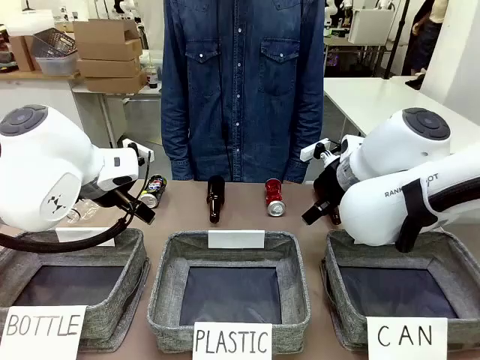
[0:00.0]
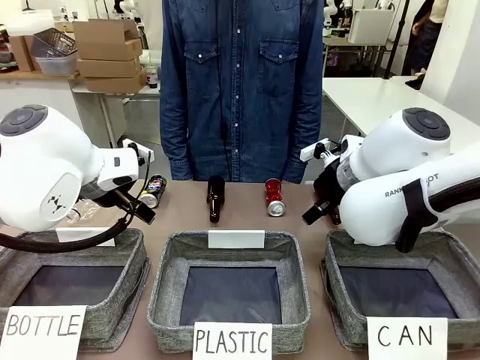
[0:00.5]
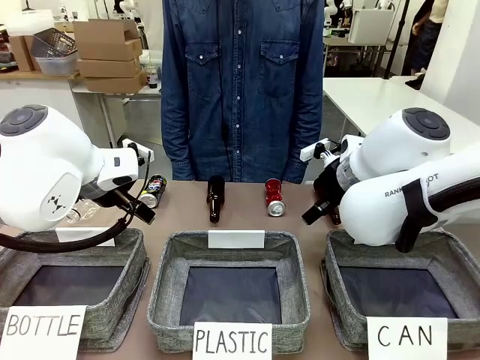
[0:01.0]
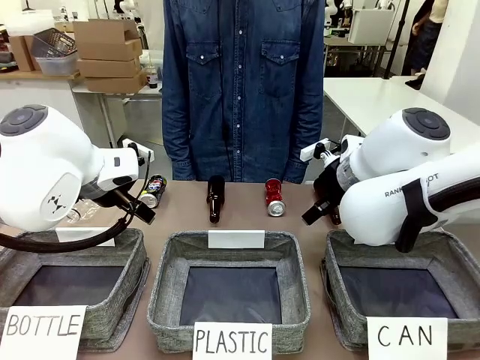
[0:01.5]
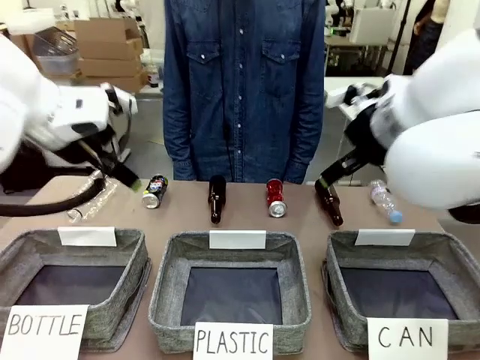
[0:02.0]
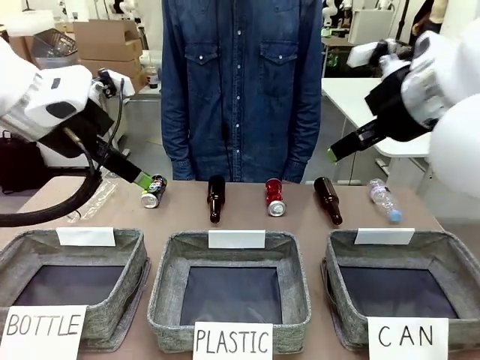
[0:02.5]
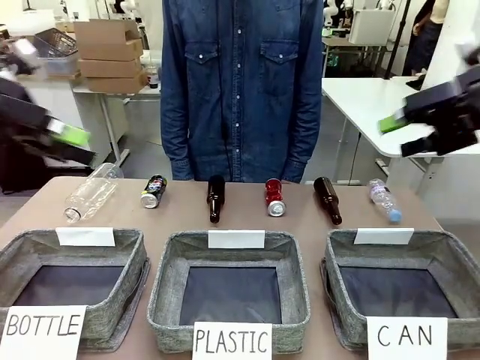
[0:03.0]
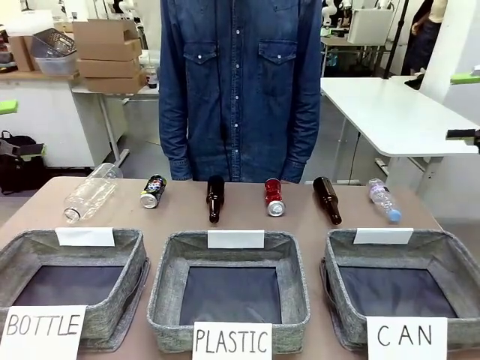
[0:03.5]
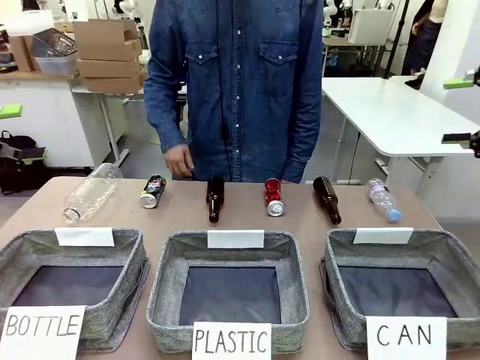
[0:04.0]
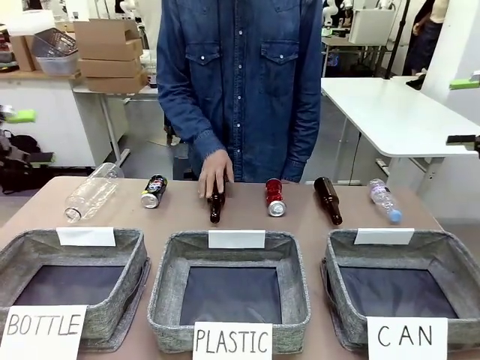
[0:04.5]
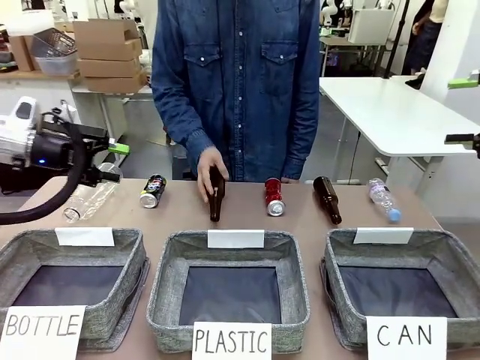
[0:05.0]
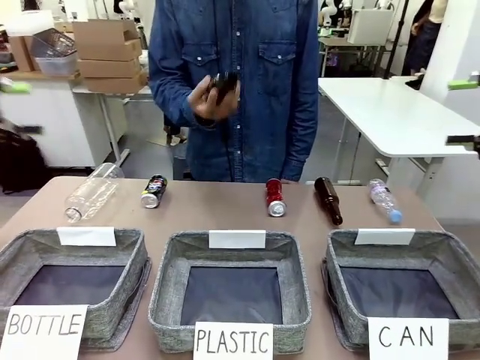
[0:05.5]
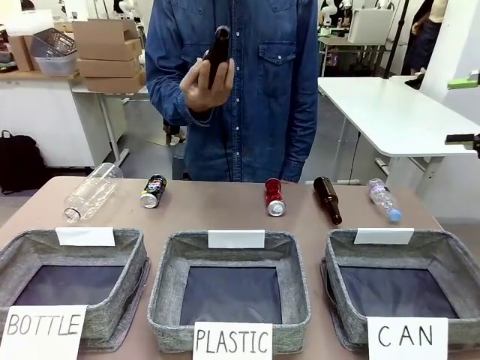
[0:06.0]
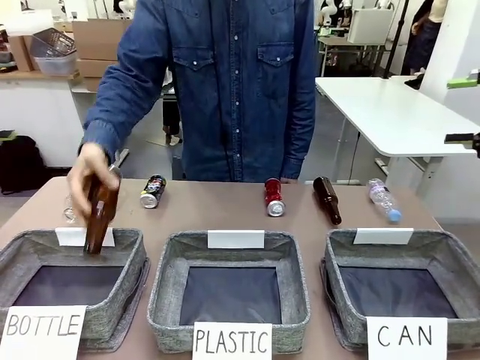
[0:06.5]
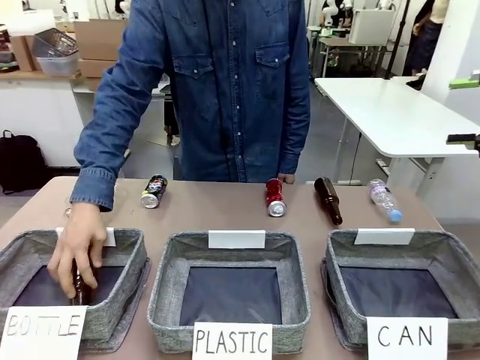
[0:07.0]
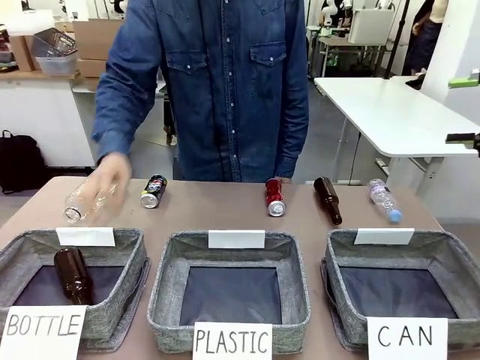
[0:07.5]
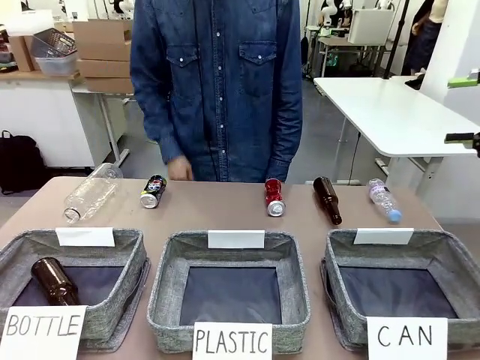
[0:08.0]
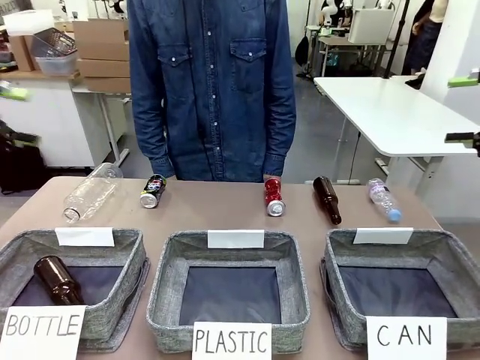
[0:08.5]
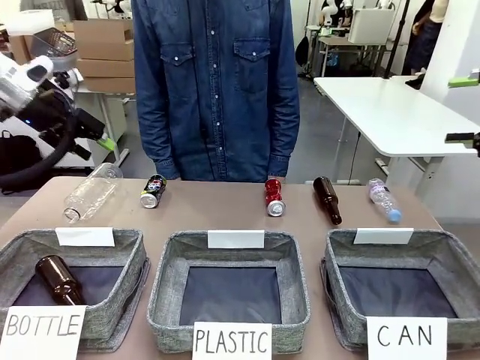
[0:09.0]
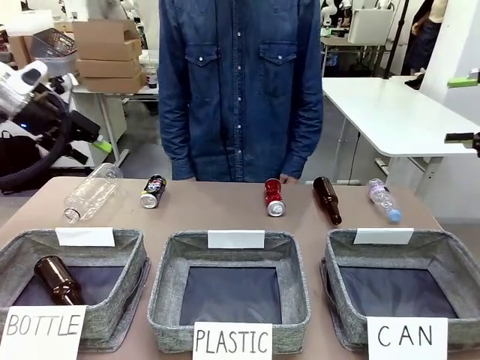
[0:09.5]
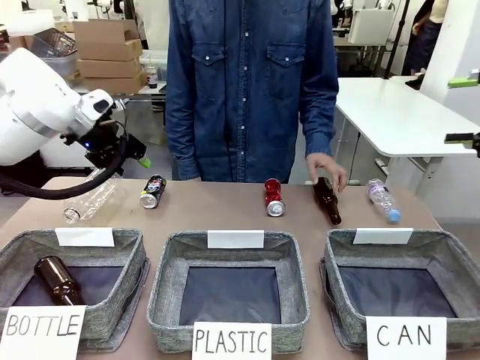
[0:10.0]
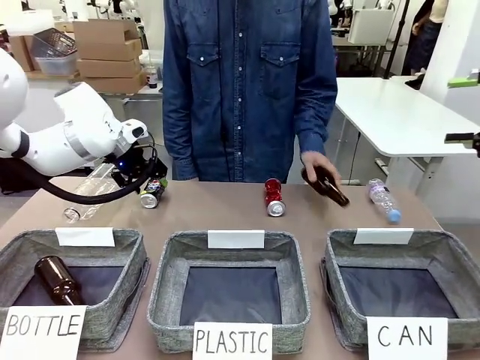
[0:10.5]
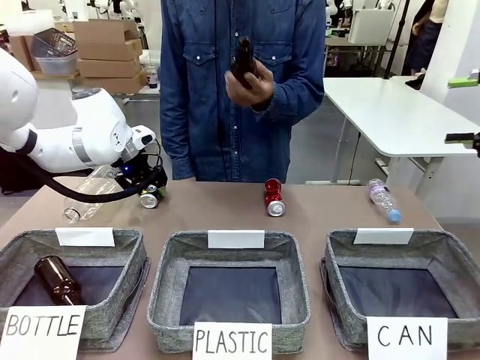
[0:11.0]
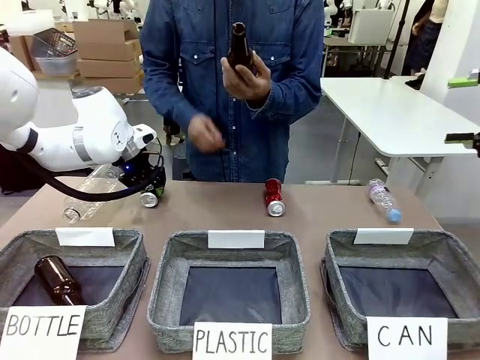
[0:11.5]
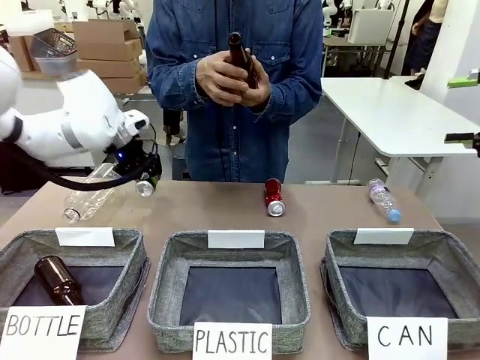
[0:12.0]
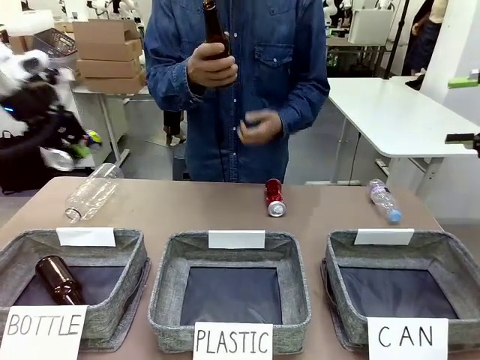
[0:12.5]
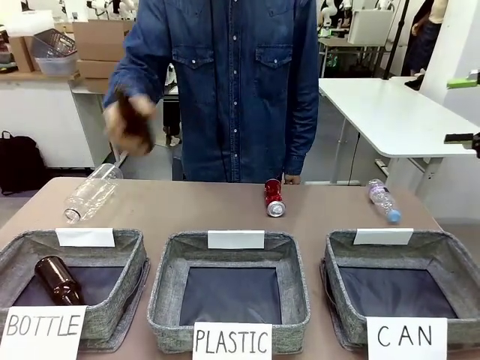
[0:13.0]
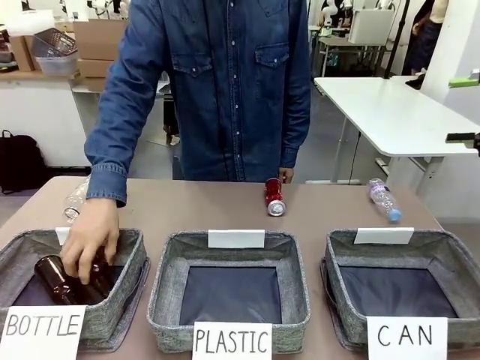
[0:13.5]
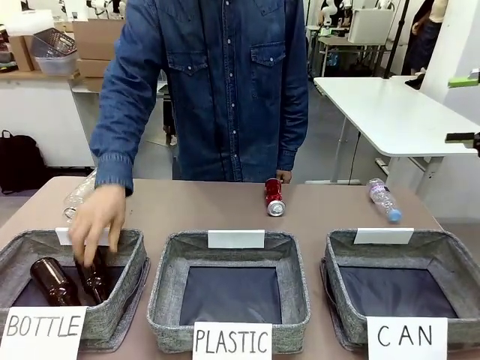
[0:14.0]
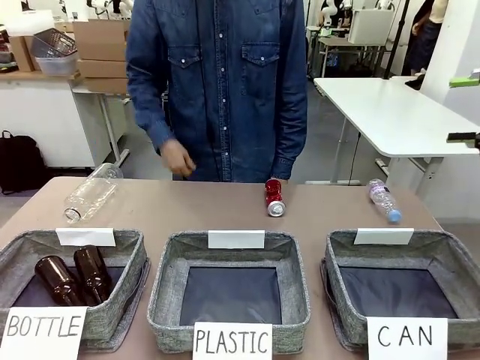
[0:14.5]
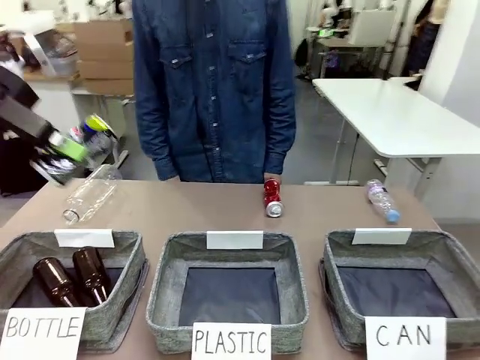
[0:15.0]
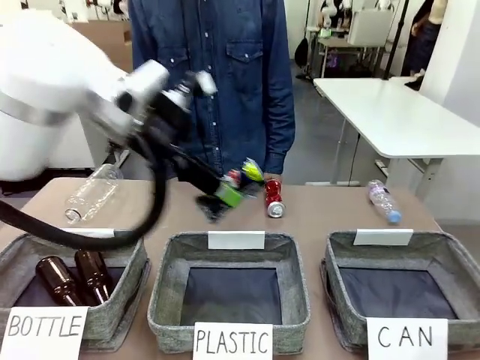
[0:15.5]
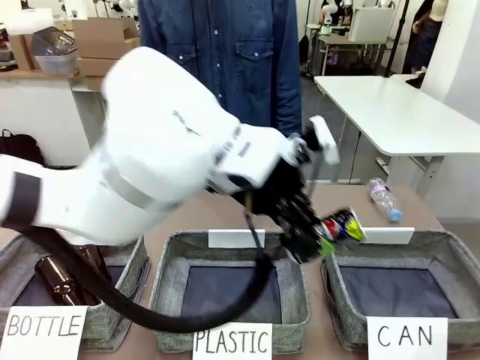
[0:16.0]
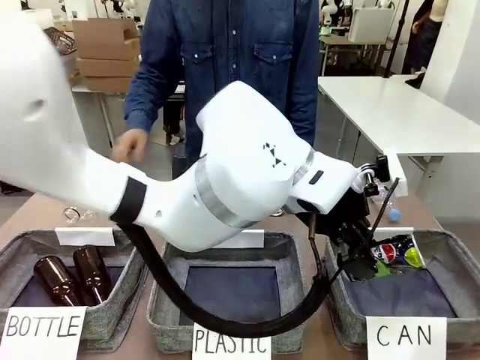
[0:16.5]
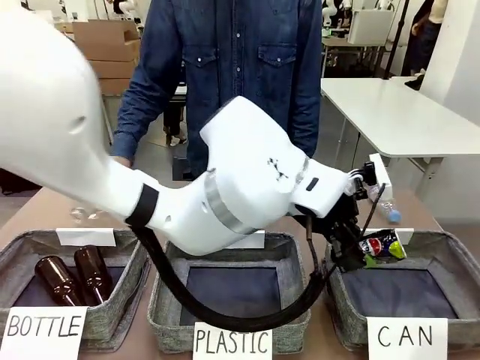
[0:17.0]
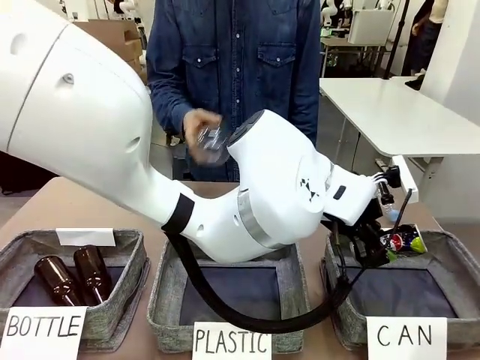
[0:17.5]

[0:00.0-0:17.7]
Task: Sort the can waste into the basket.
Robot: Pick up the can waste from the table and place it in the right Fabric basket.

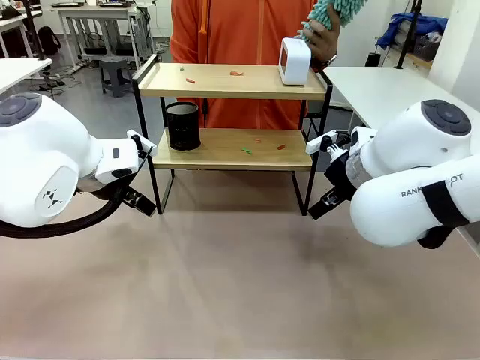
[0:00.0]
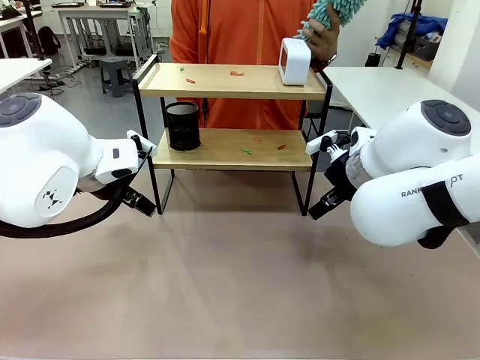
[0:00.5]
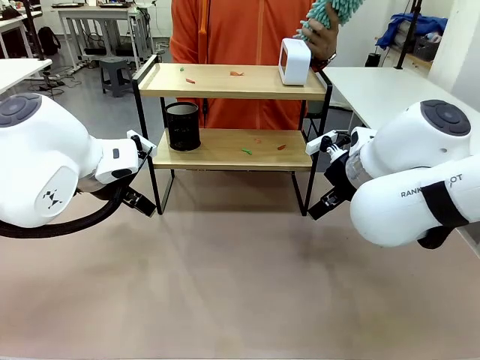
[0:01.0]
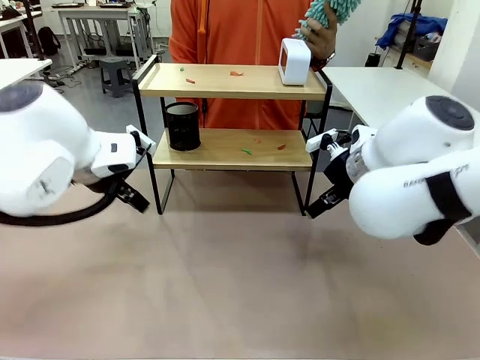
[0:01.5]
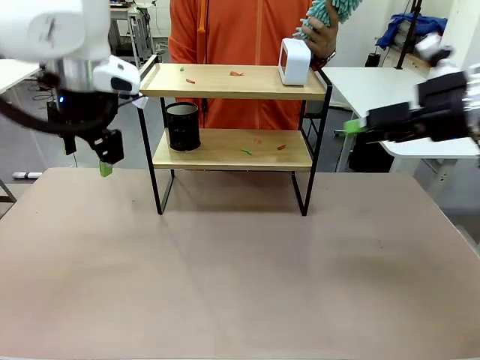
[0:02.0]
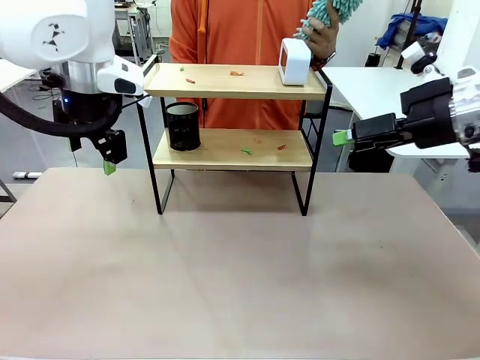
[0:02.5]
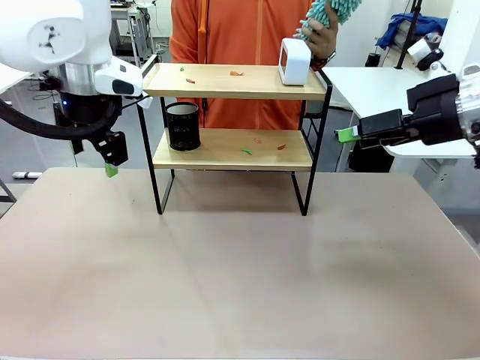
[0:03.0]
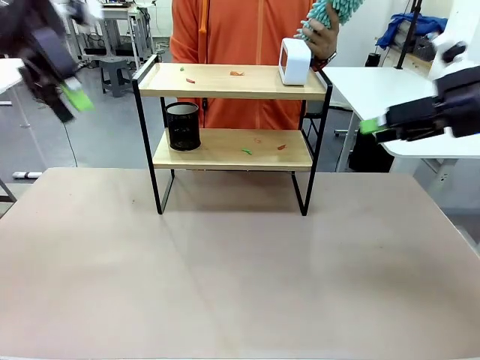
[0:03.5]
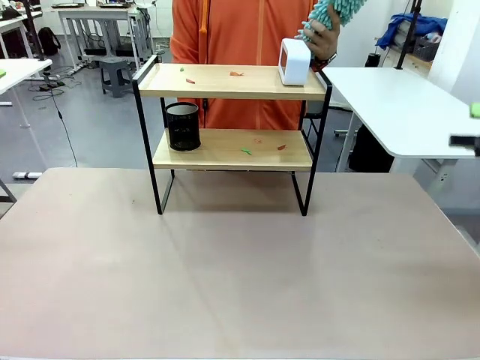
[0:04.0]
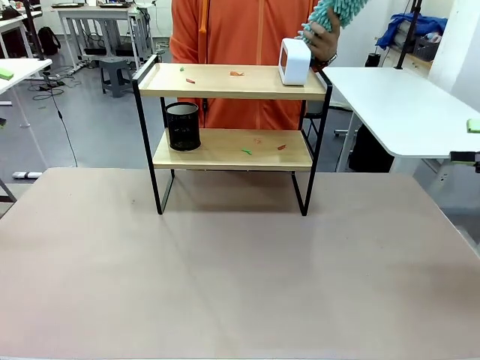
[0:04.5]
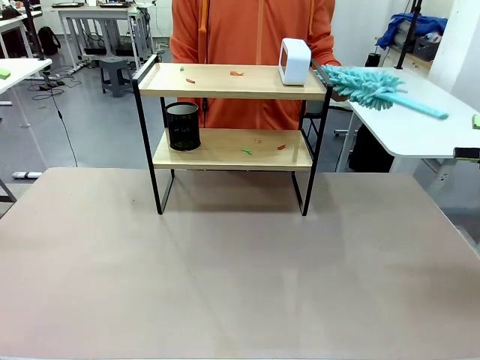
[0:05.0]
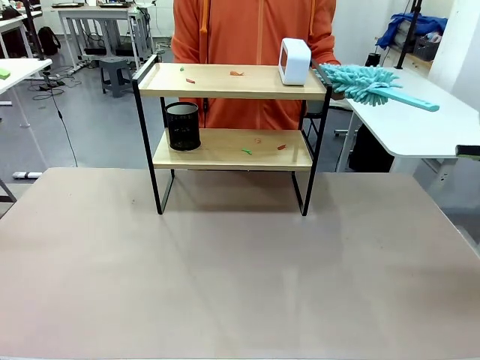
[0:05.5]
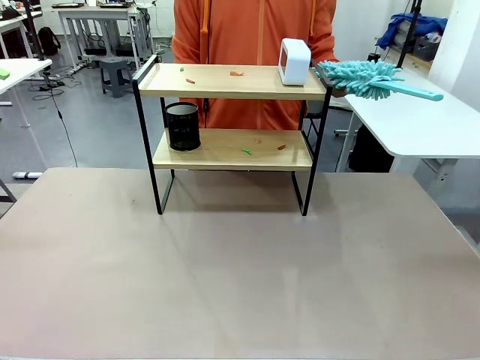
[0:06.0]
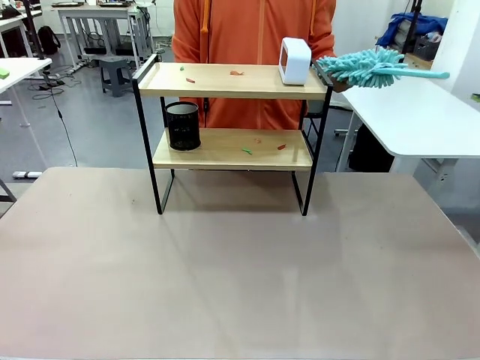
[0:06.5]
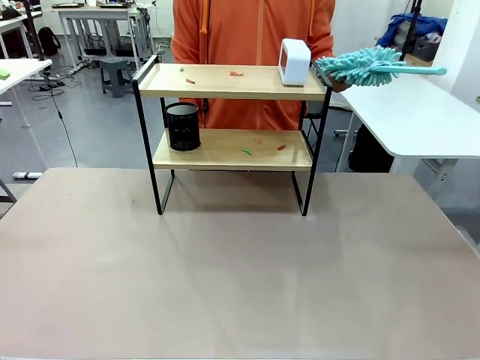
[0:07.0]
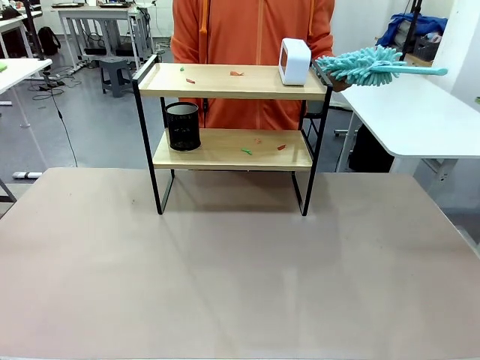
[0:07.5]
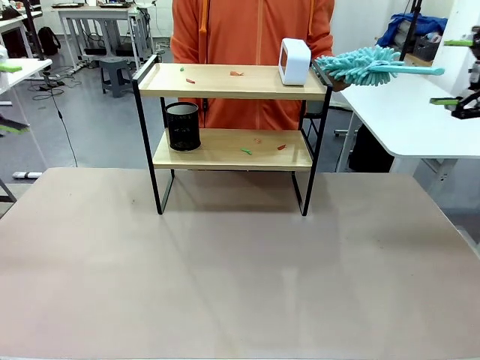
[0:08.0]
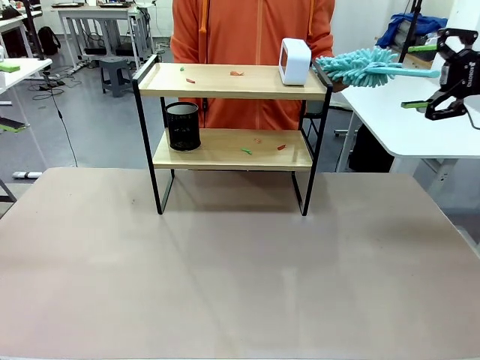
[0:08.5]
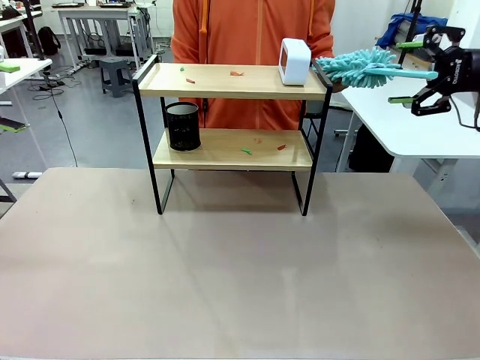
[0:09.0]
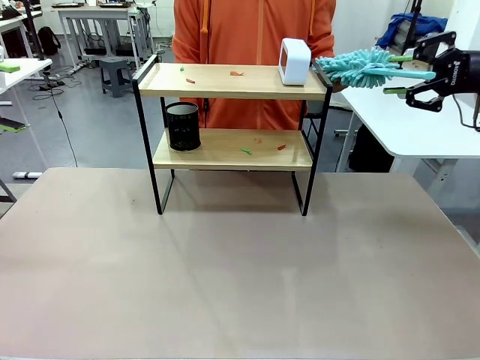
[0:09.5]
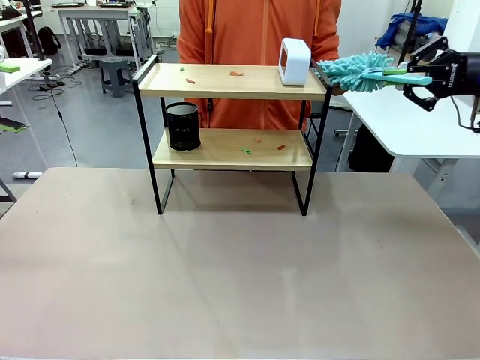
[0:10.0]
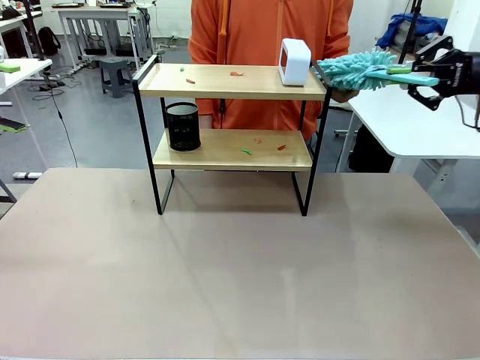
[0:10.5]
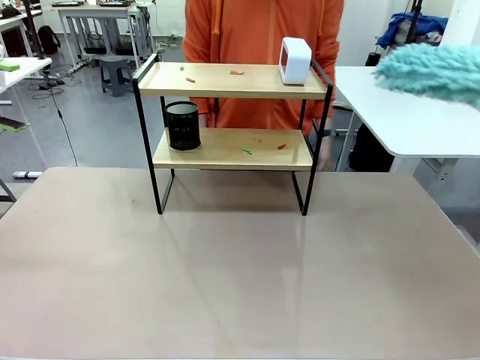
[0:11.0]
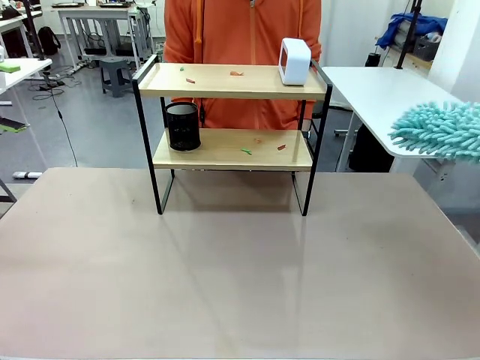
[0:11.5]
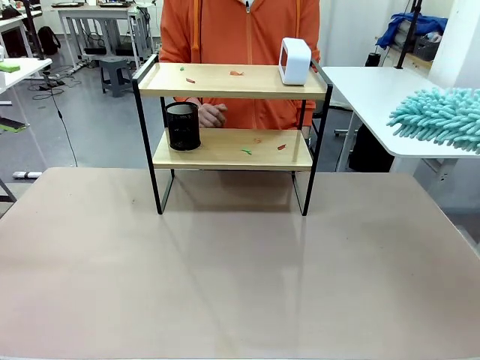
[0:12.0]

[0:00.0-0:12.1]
Task: Clean the shelf.
Robot: Pick up the Duster from the human.
Person: Hand the Duster to the robot.
